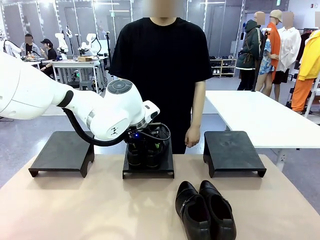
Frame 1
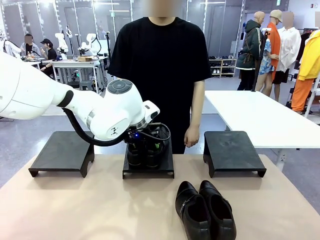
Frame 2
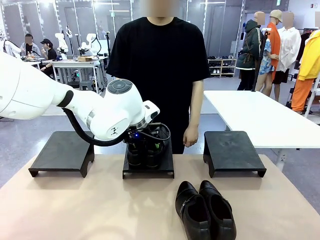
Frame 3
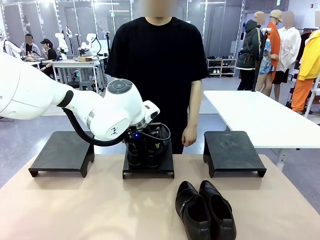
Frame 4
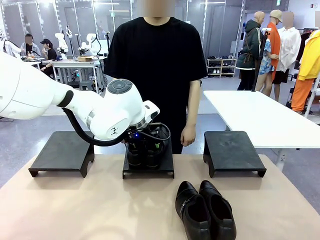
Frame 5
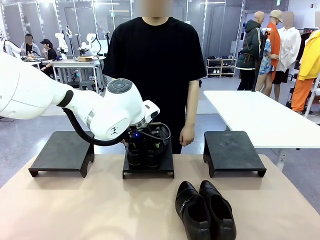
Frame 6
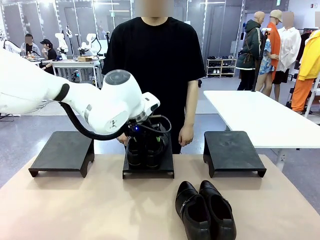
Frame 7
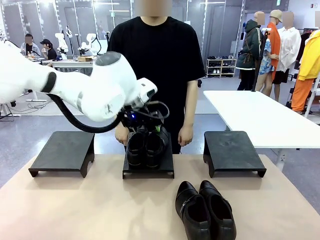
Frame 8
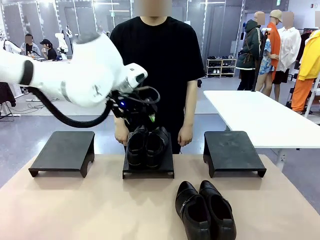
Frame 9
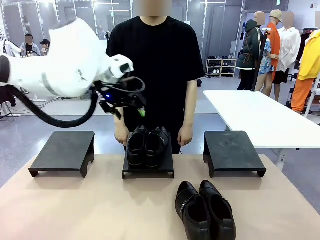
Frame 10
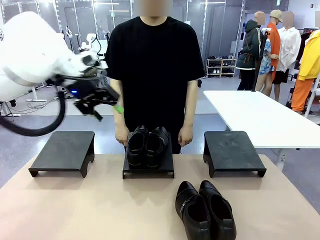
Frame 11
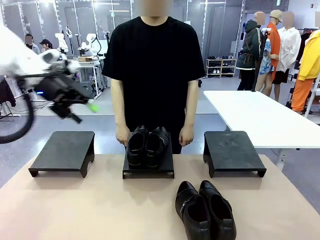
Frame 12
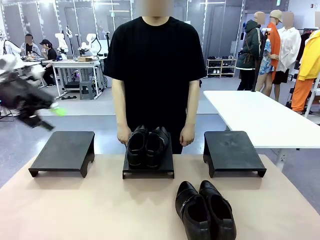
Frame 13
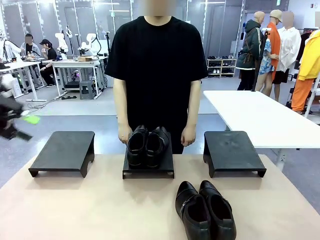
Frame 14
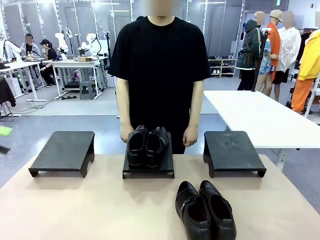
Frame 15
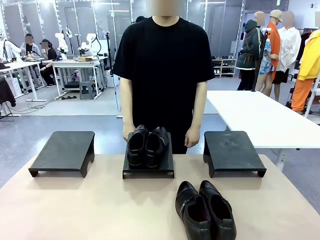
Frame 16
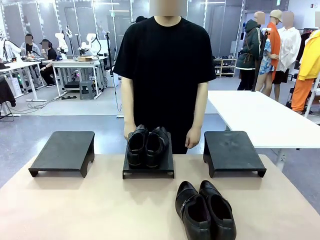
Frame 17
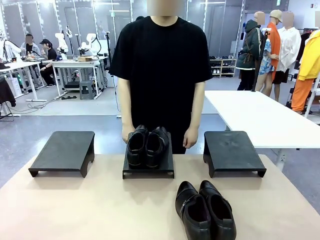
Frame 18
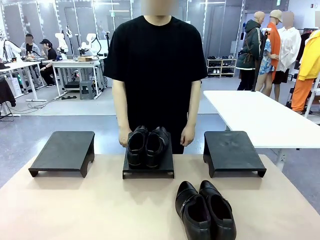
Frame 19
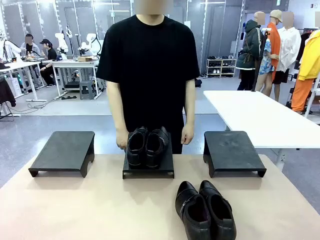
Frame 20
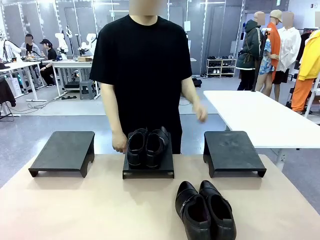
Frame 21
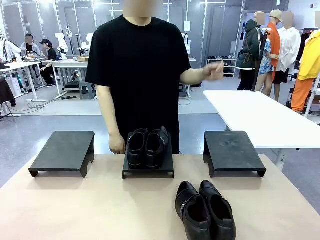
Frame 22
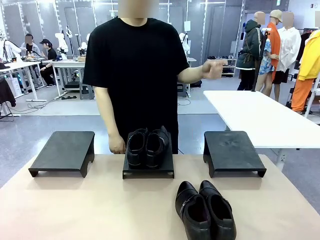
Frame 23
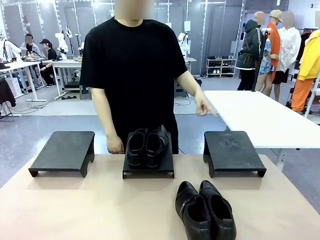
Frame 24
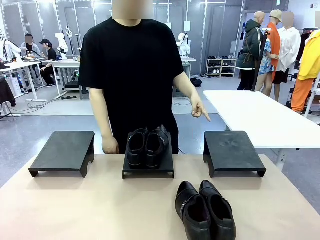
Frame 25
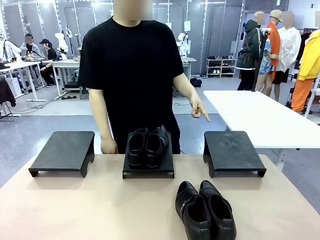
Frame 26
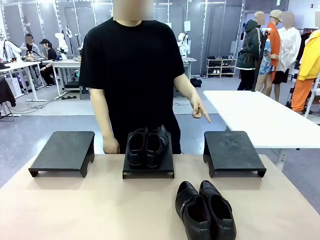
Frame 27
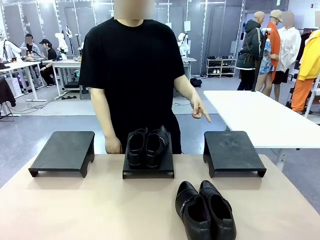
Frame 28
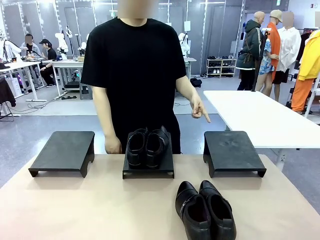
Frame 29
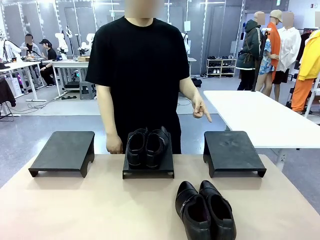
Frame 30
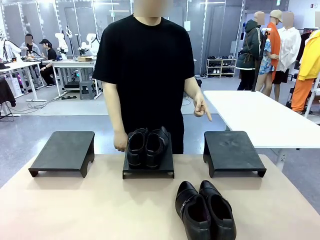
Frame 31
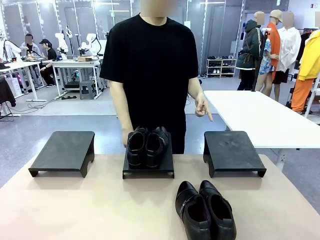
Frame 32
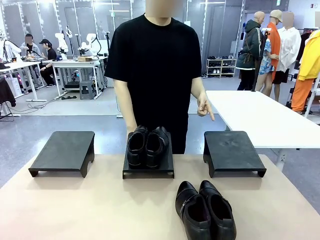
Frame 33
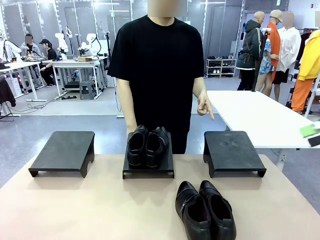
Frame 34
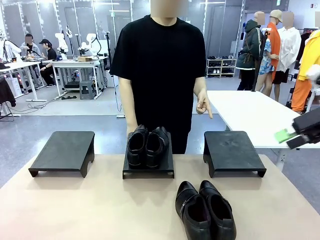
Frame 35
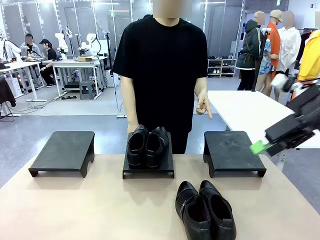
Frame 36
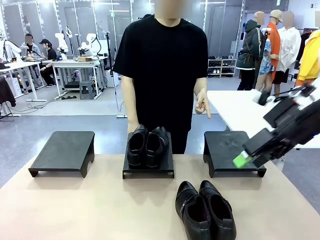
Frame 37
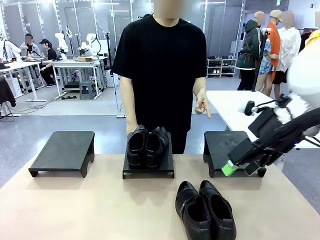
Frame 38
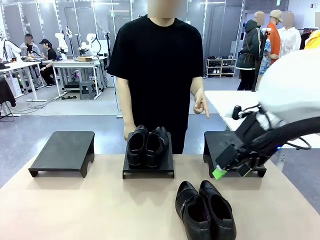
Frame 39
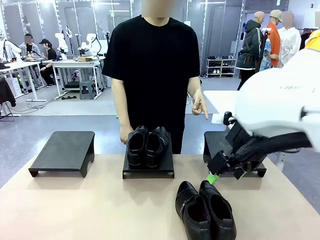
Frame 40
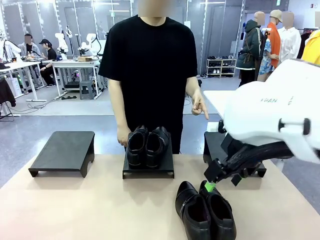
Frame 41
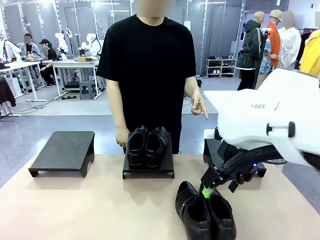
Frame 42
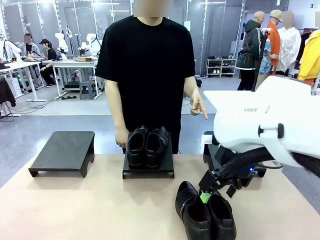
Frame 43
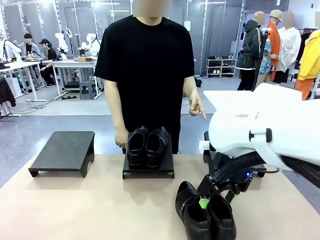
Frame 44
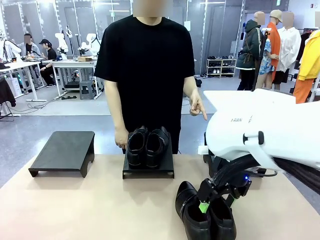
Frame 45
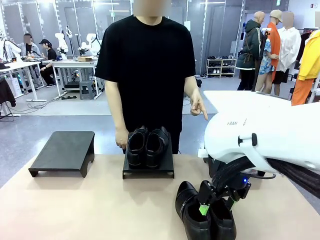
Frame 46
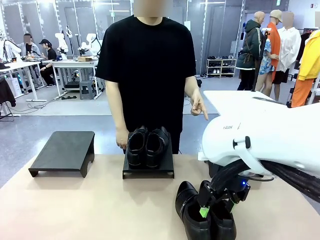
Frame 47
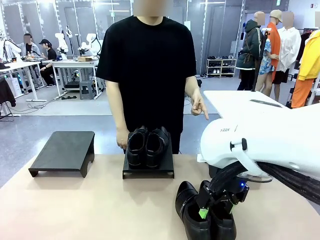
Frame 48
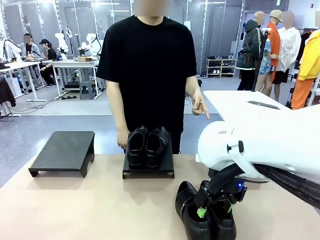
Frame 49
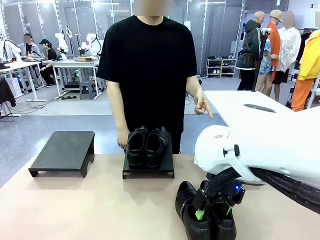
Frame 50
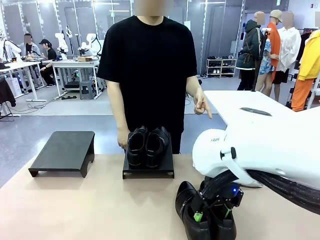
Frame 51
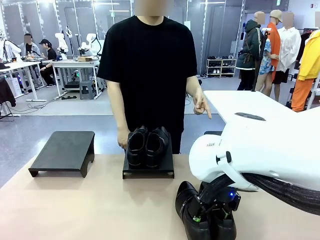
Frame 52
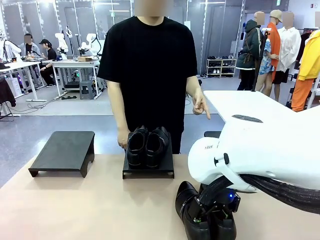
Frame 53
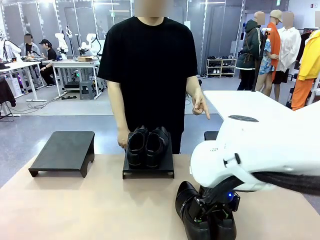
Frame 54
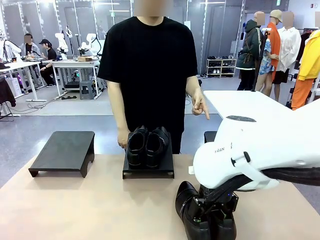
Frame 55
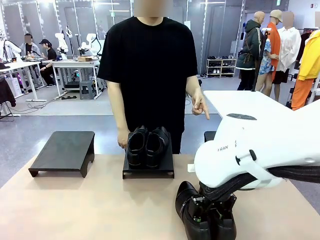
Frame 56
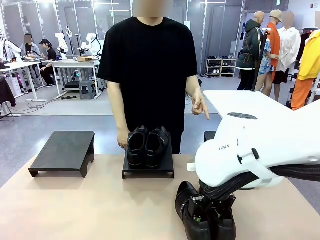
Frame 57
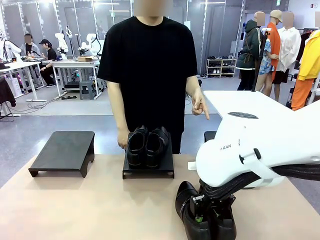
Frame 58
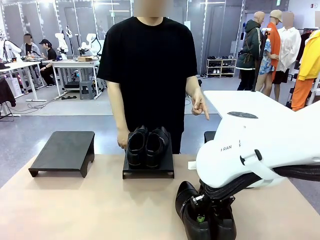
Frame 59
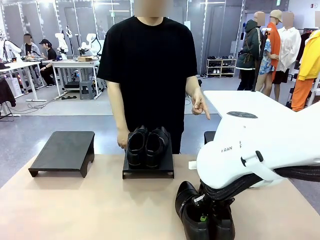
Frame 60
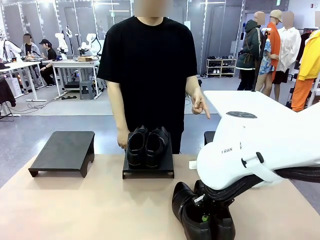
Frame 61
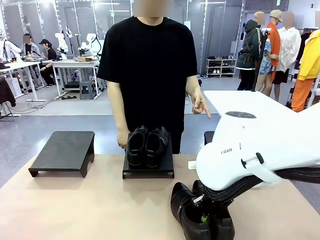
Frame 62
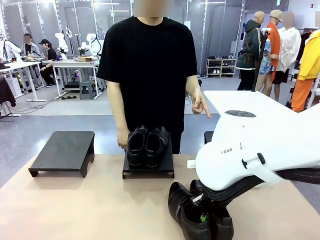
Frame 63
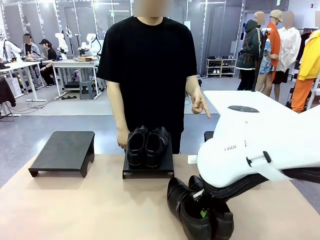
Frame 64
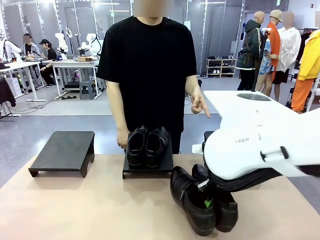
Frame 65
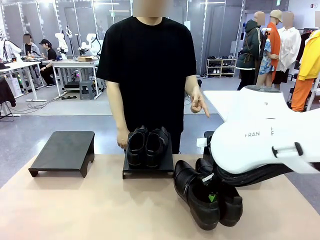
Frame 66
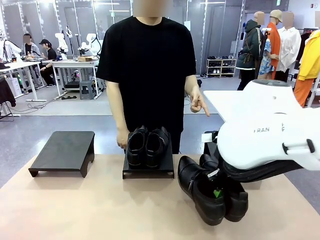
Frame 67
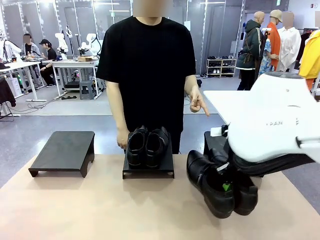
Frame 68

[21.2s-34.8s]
Task: Place the shoes on the stand as instructed by the person.
Robot: Pick up another pair of Shoes and place it on the Shoes Stand indicated by the person.
